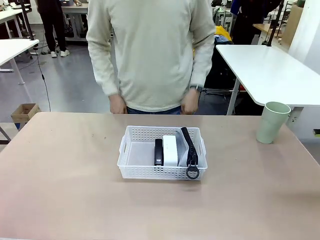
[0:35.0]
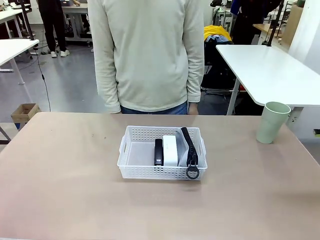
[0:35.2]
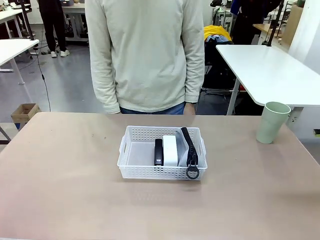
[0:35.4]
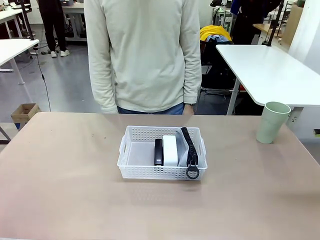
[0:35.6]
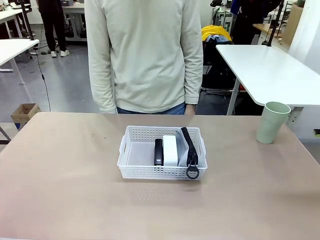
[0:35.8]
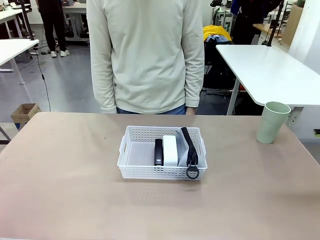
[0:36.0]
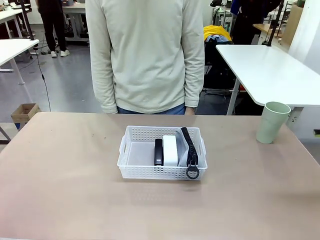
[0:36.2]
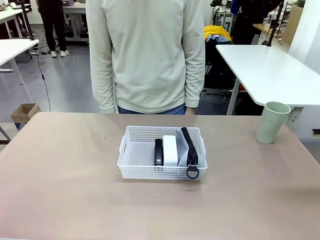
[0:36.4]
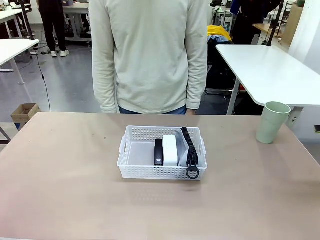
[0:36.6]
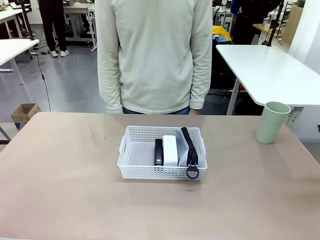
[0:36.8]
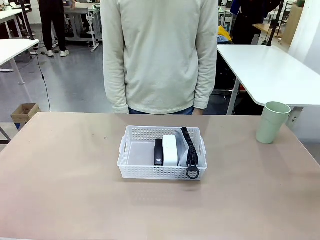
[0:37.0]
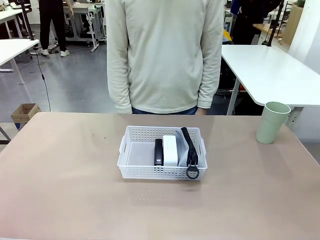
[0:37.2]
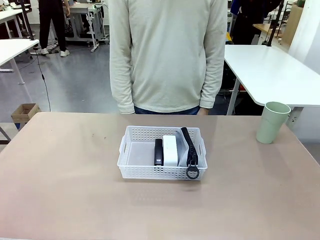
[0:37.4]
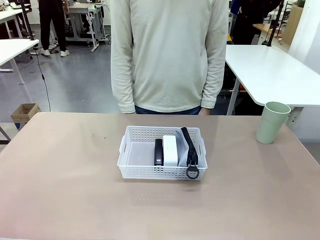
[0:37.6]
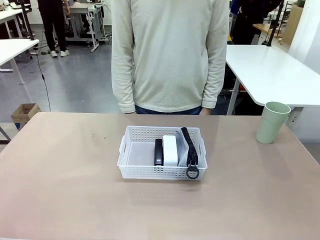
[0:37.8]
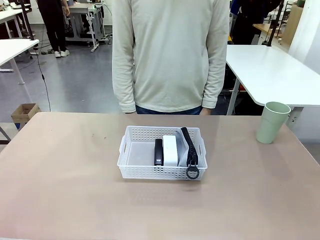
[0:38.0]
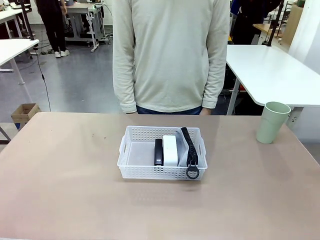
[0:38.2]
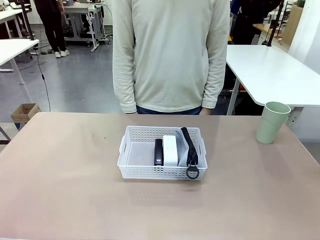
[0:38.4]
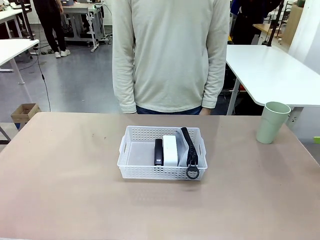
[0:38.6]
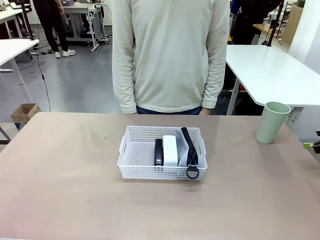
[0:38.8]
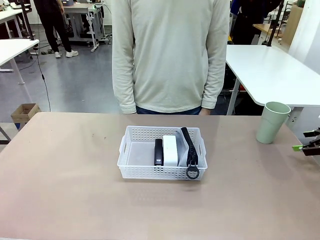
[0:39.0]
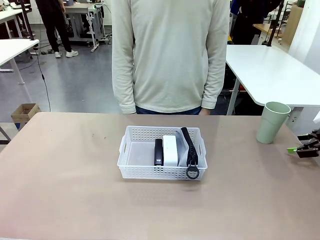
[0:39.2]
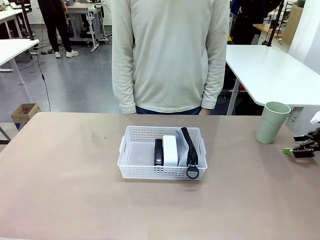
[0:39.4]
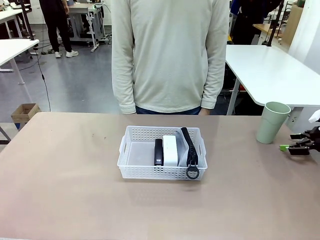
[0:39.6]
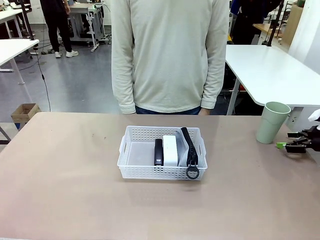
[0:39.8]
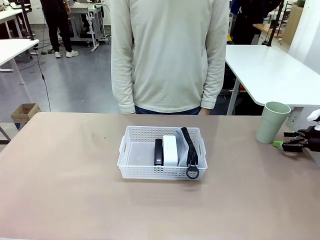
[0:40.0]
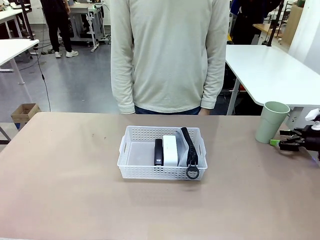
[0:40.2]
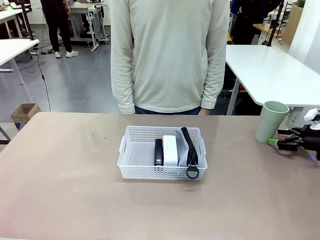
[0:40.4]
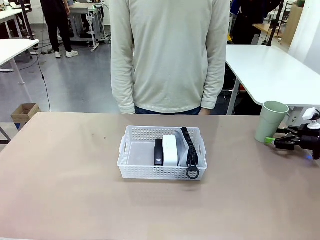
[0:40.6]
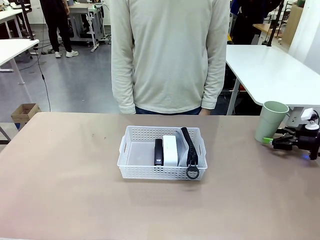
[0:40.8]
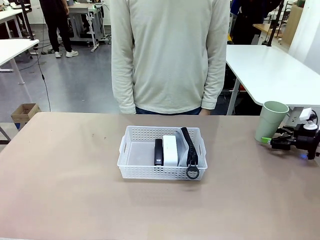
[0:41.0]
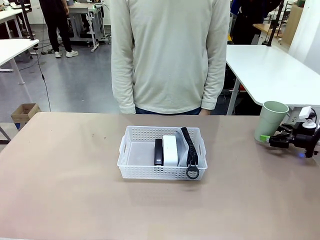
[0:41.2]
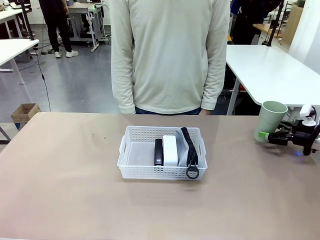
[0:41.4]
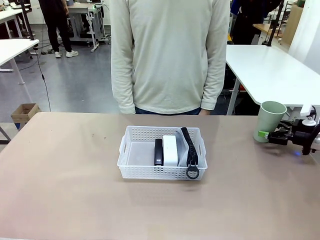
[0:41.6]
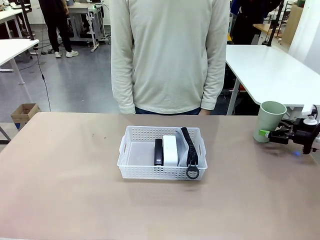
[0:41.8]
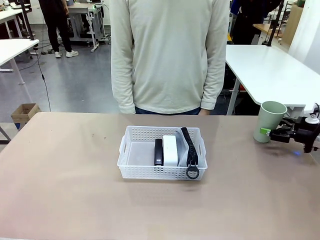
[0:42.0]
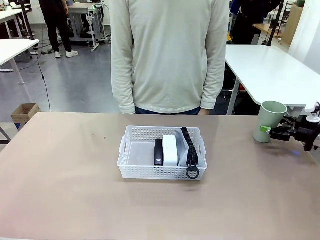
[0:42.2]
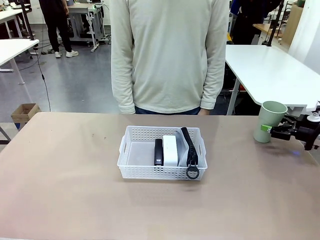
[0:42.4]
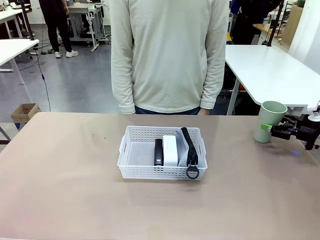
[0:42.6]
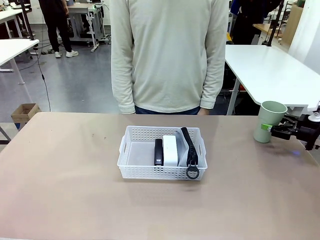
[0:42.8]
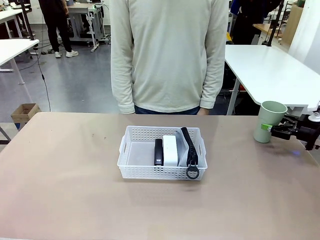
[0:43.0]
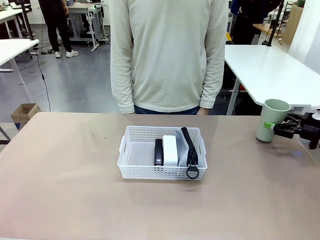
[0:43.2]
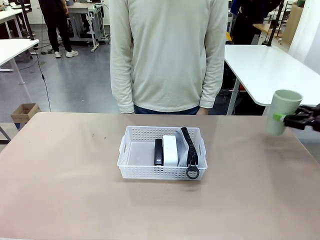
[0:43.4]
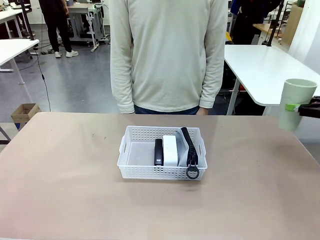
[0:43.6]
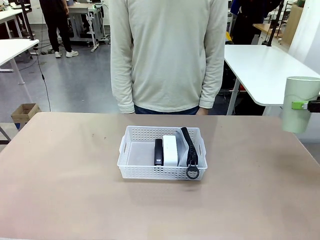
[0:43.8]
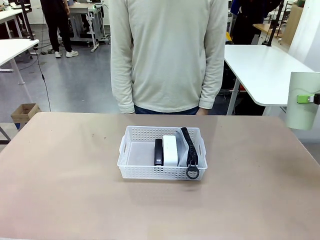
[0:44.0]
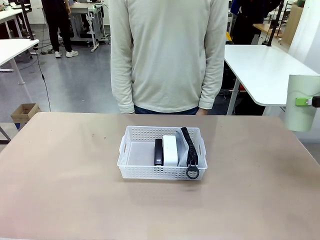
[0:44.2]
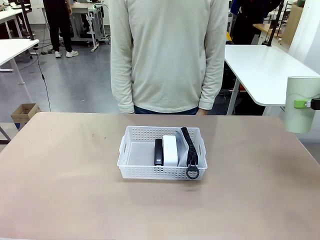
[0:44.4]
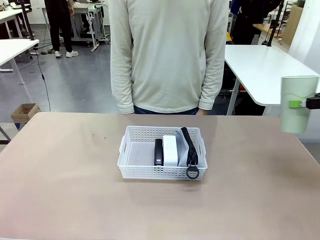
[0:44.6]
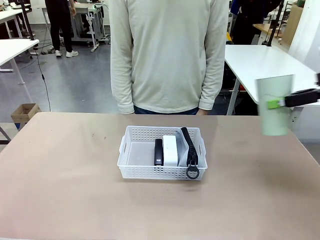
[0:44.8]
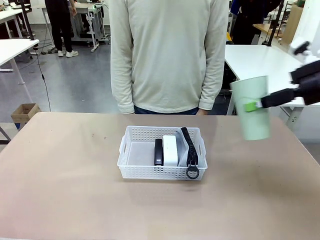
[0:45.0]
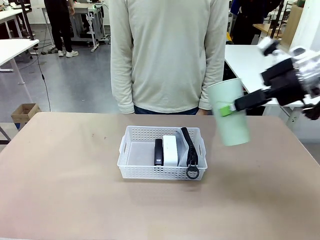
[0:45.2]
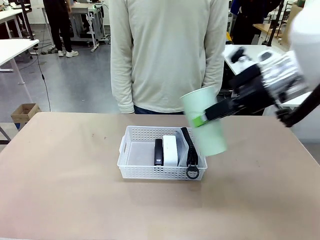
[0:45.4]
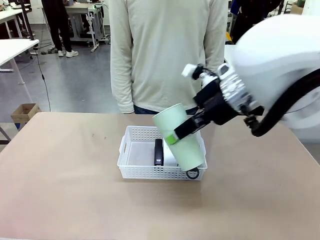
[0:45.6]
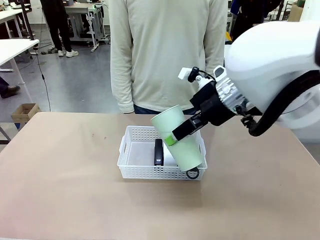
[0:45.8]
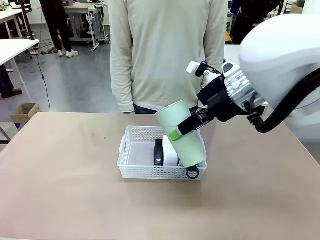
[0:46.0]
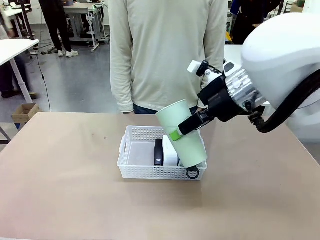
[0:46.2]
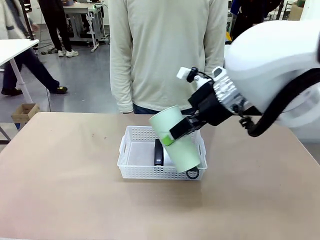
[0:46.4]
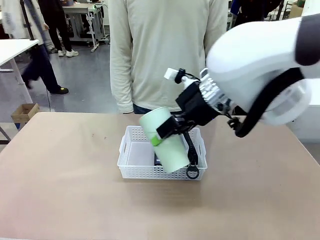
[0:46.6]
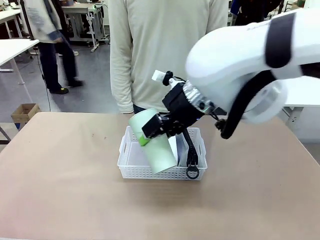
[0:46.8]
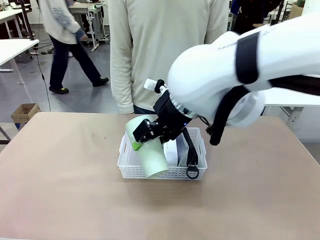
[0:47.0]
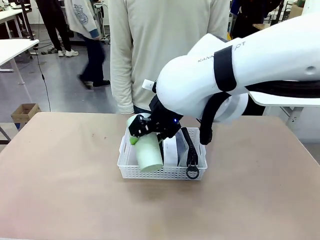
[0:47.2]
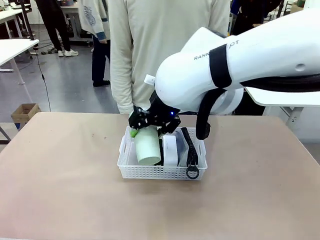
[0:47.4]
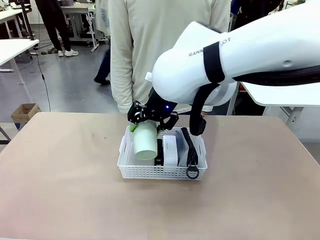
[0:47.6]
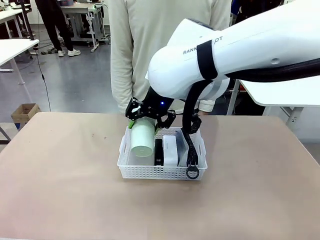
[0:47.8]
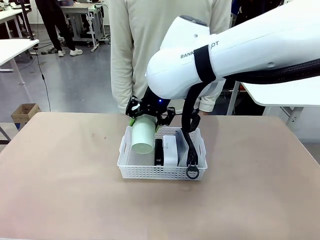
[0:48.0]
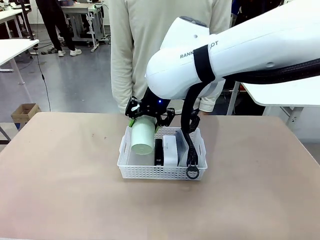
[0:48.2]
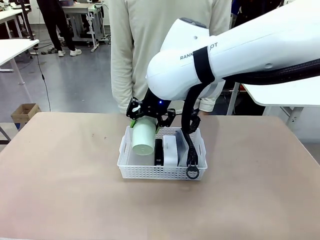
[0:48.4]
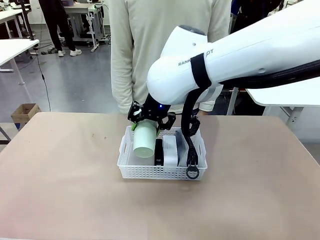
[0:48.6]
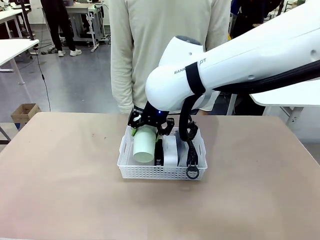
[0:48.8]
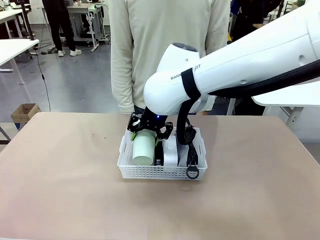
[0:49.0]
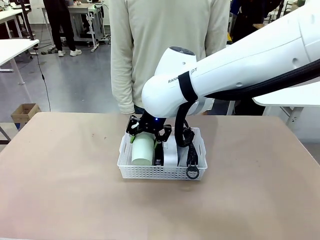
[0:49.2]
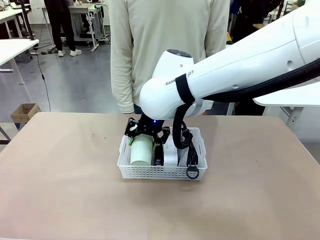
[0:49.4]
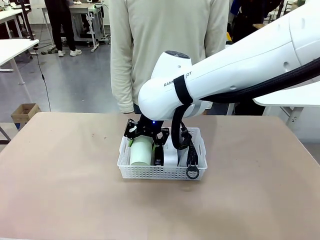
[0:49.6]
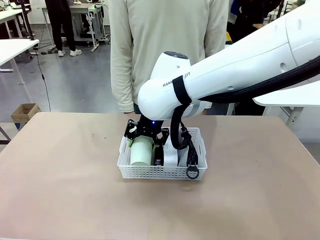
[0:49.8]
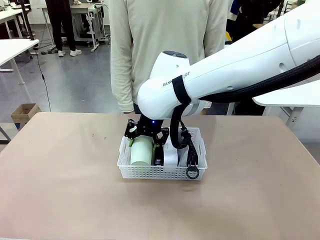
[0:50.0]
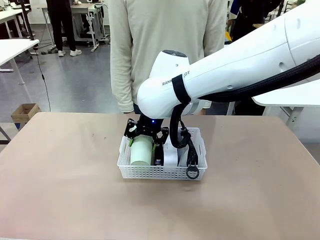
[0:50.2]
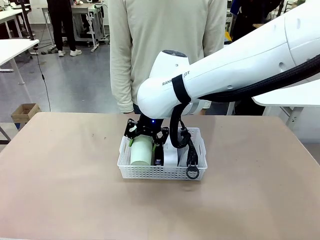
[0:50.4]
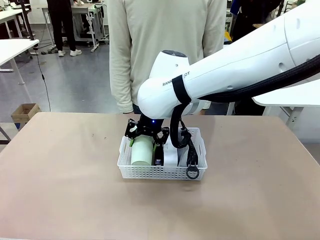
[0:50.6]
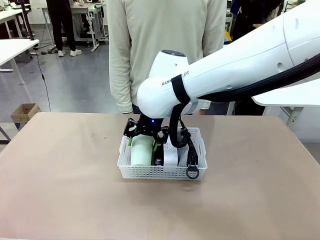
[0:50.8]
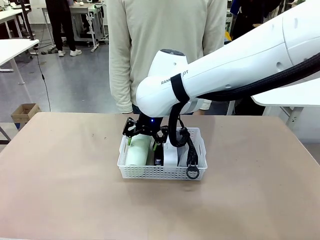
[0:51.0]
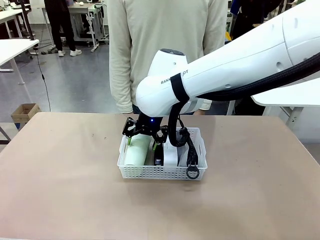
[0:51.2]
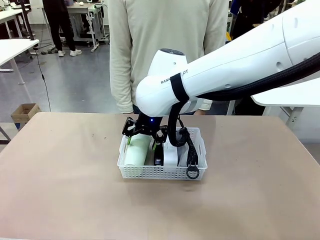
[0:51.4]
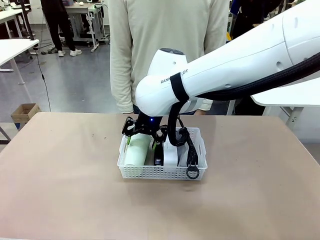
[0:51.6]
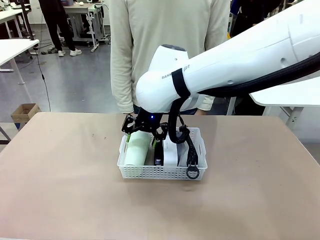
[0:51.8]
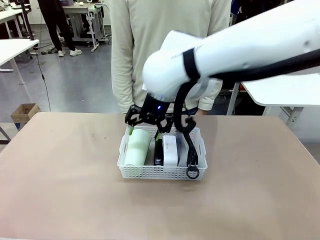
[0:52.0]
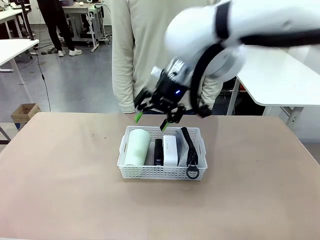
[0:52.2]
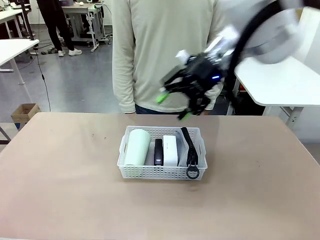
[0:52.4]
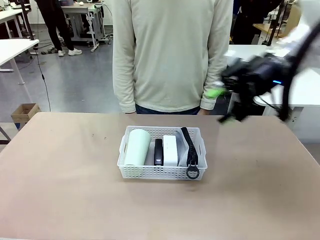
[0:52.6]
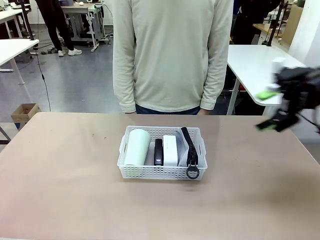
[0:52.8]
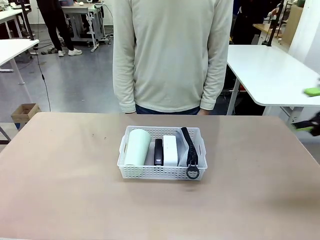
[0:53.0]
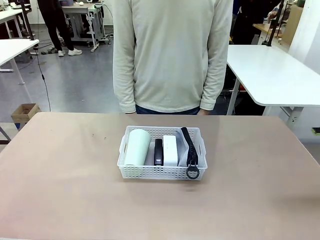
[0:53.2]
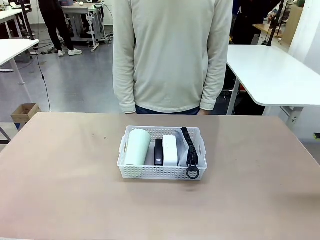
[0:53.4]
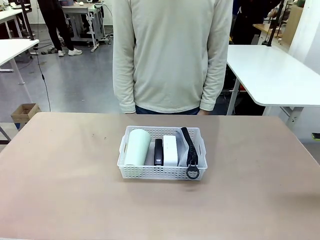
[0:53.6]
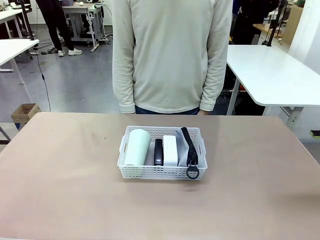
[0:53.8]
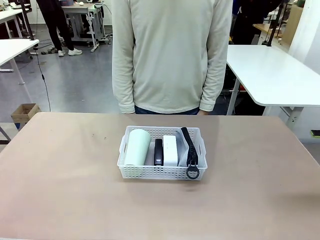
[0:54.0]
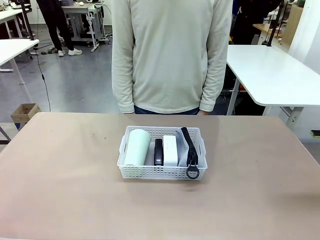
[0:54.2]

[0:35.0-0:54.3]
Task: Efficiently arrange items inside the basket to fit them all.
Robot: Pick up the Reusable plastic cup and place it inside the Organizing basket.
Person: Repositions the stapler.
